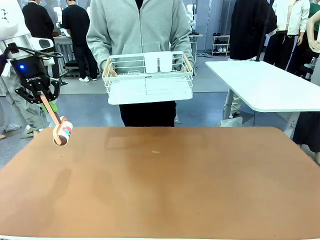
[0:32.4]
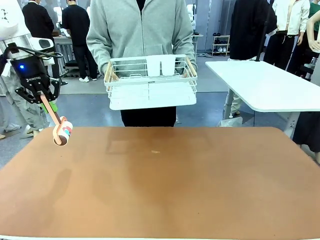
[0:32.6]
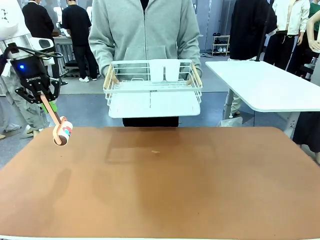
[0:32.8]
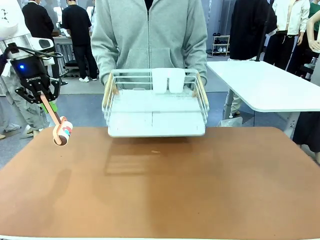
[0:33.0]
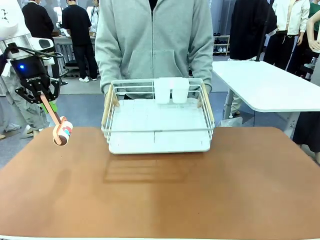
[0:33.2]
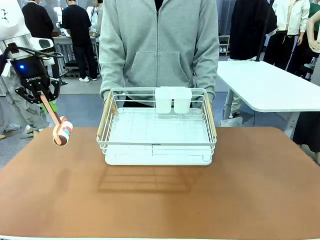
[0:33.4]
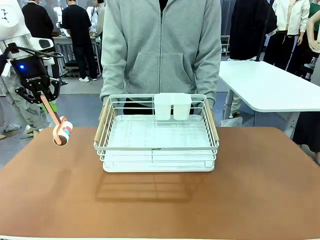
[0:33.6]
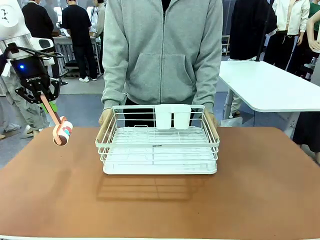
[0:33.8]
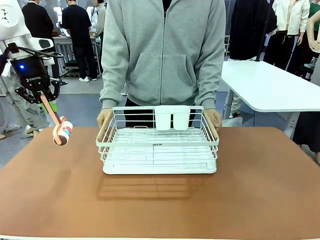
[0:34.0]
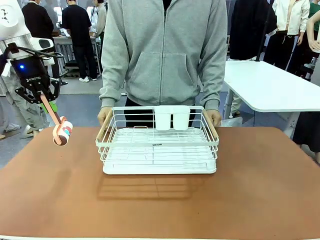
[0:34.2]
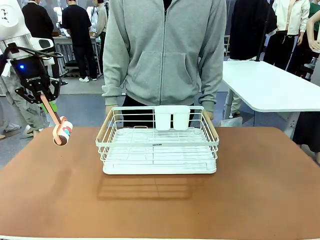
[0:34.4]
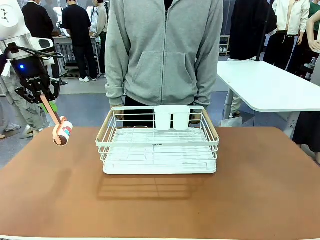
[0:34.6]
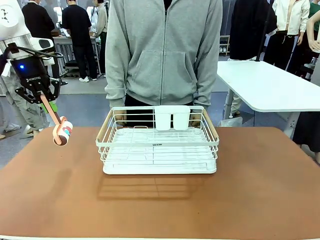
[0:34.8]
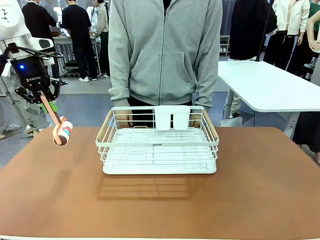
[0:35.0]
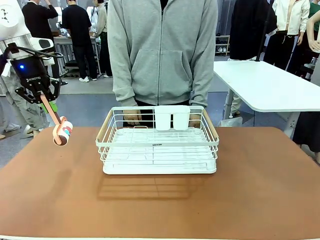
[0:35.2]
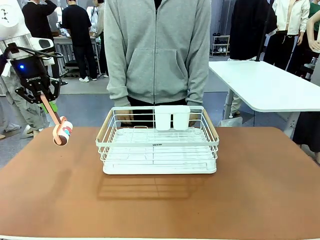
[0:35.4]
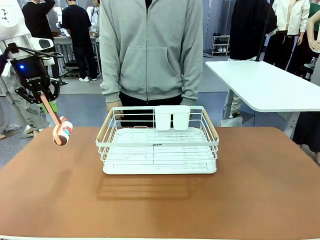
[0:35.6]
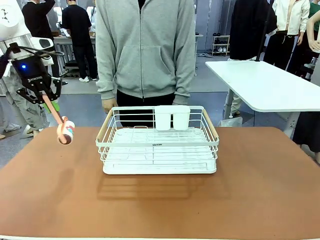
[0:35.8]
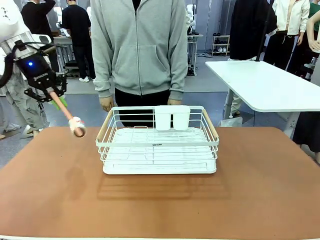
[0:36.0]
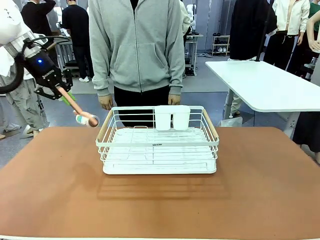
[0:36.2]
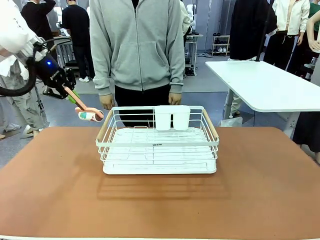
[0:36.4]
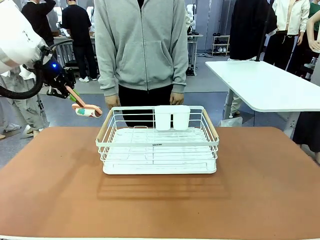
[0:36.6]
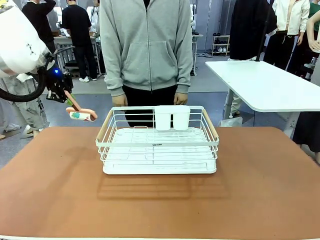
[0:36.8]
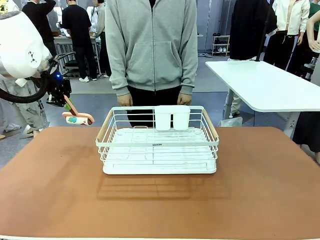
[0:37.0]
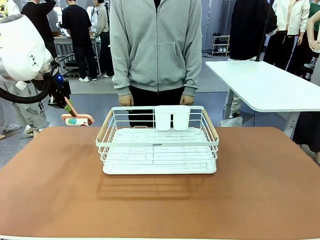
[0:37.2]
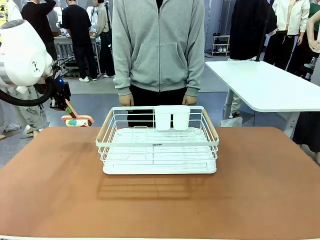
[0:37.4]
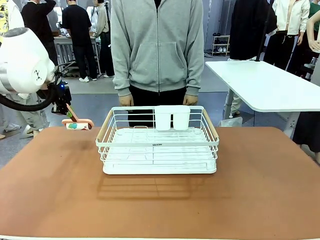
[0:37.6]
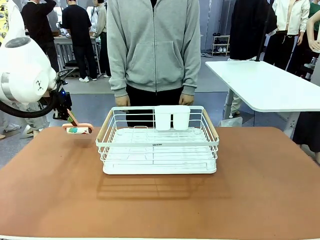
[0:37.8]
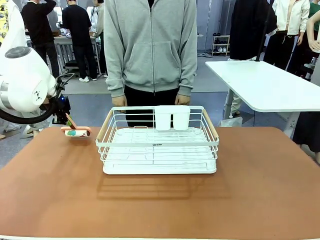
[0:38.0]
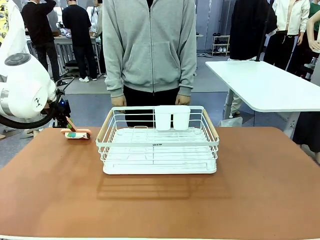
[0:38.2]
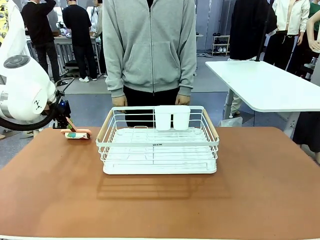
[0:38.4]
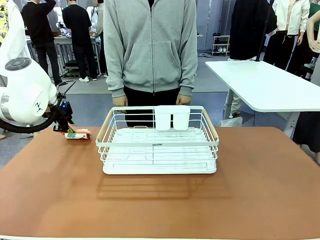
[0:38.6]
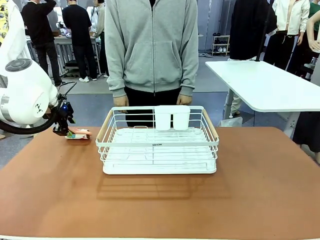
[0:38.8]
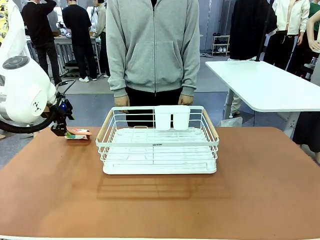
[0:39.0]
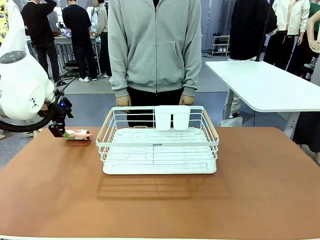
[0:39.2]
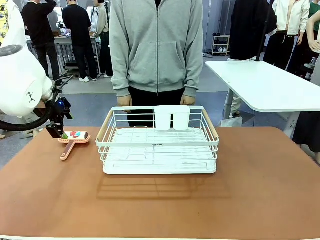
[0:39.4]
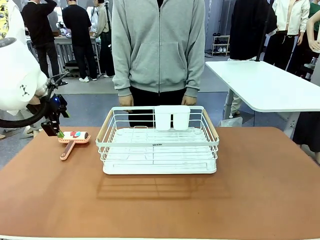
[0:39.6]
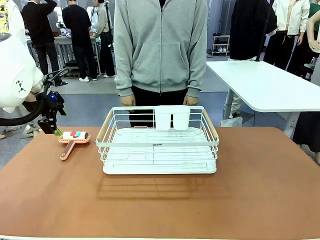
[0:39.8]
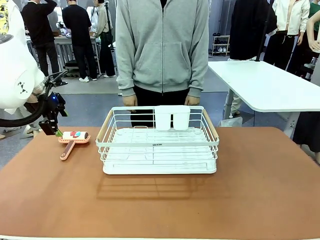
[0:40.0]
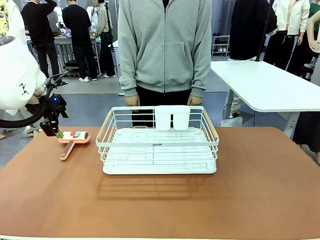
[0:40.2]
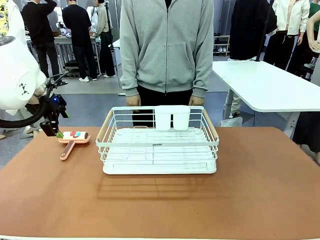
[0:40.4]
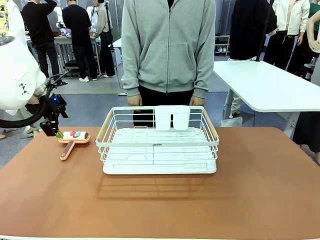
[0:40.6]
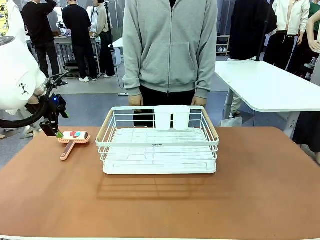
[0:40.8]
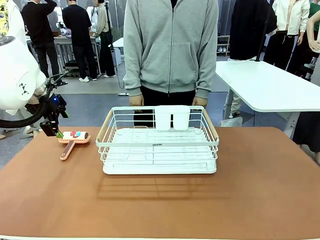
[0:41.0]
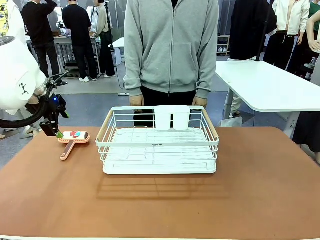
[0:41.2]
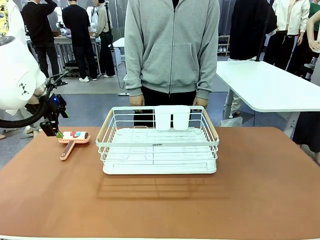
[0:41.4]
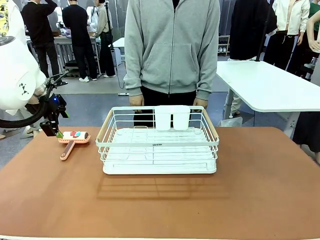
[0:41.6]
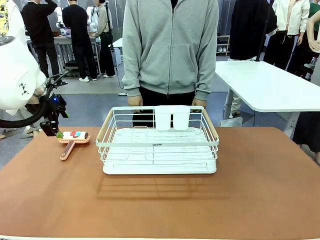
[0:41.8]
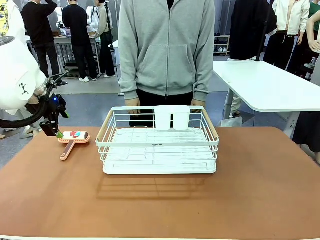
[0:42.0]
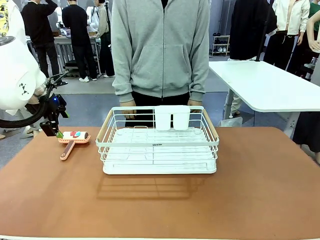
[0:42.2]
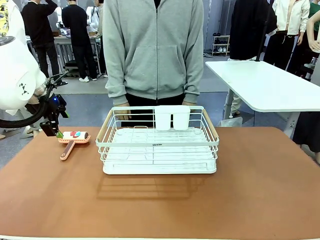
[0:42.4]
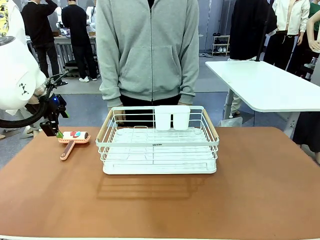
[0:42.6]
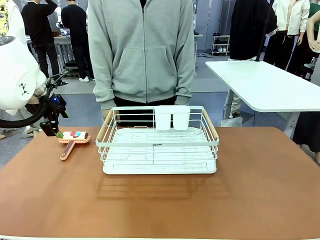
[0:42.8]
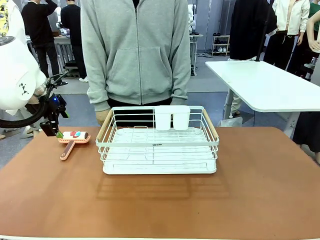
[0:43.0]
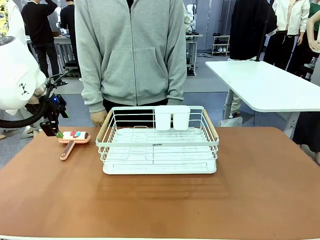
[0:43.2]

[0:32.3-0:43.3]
Task: Clean the table.
Robot: Place the Lint Roller down when the Dish drying rack is positioned in the middle of the table.

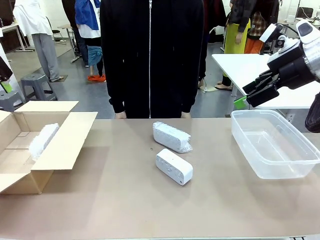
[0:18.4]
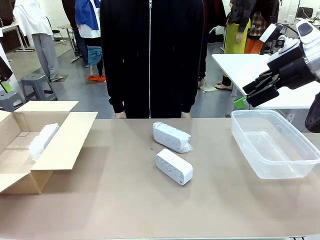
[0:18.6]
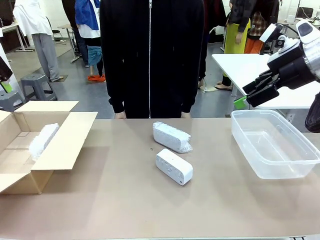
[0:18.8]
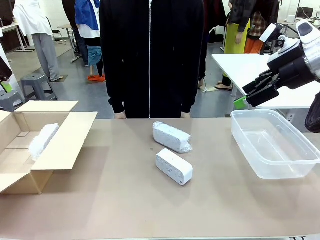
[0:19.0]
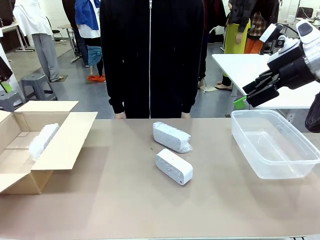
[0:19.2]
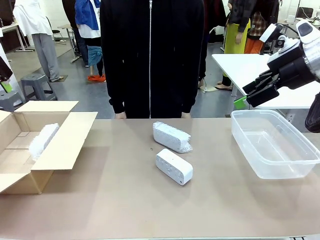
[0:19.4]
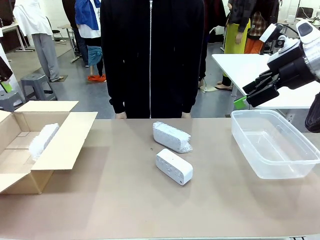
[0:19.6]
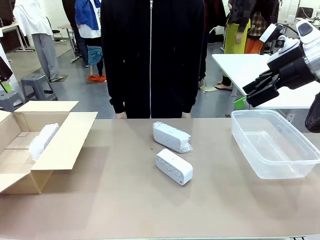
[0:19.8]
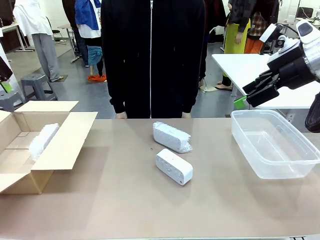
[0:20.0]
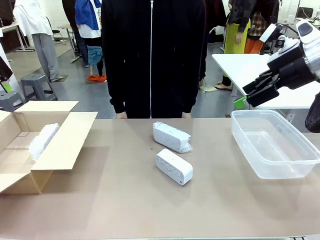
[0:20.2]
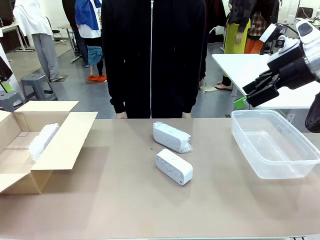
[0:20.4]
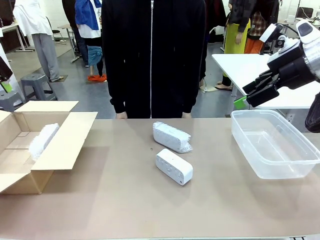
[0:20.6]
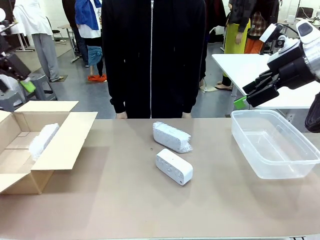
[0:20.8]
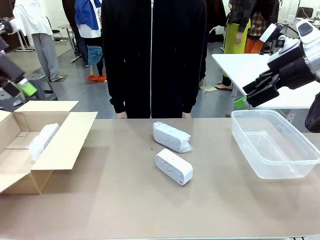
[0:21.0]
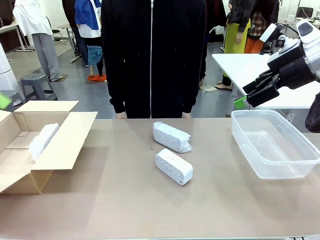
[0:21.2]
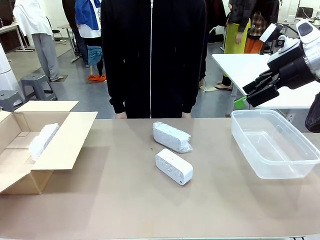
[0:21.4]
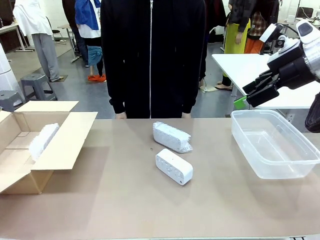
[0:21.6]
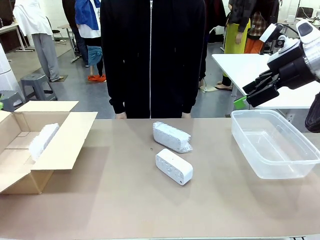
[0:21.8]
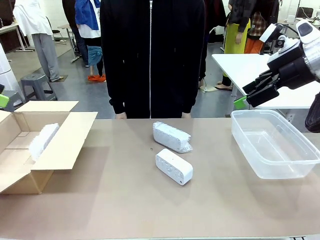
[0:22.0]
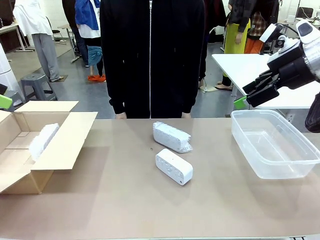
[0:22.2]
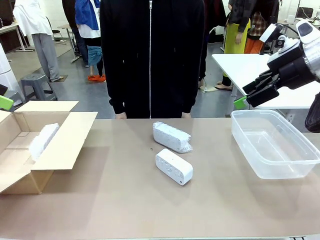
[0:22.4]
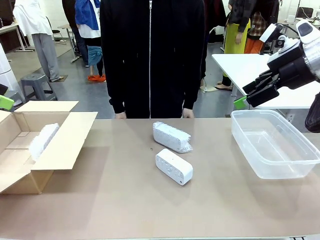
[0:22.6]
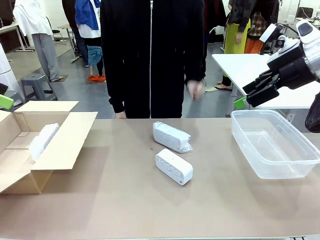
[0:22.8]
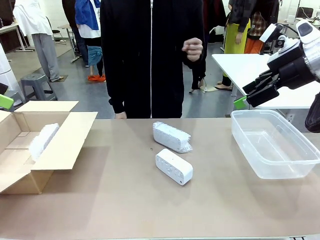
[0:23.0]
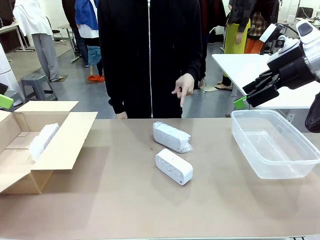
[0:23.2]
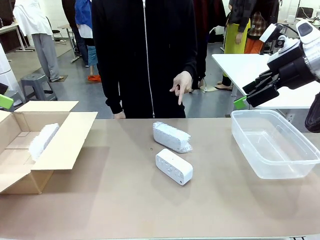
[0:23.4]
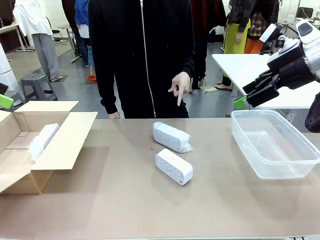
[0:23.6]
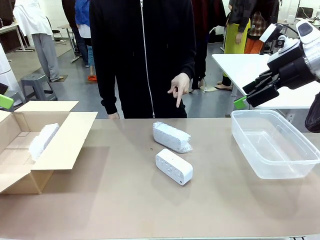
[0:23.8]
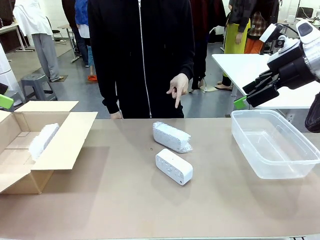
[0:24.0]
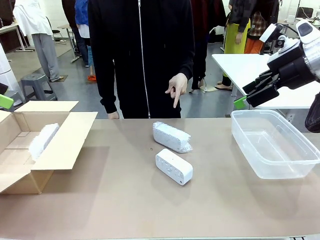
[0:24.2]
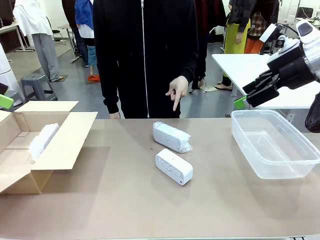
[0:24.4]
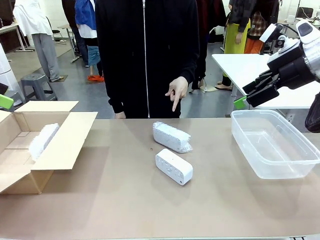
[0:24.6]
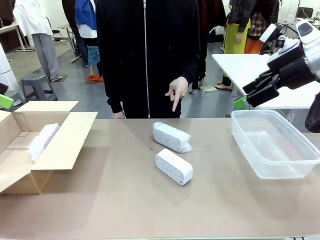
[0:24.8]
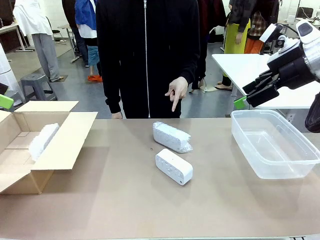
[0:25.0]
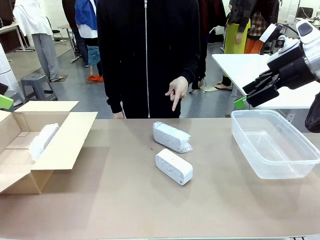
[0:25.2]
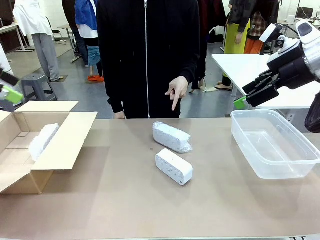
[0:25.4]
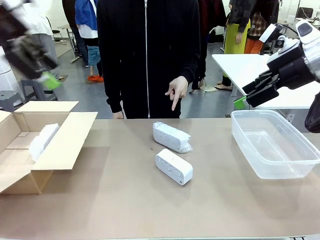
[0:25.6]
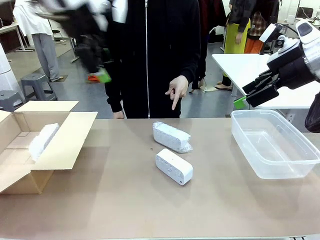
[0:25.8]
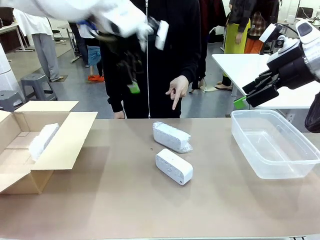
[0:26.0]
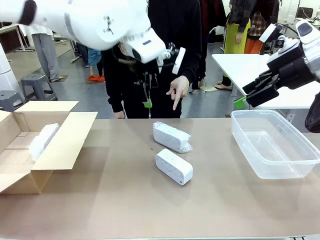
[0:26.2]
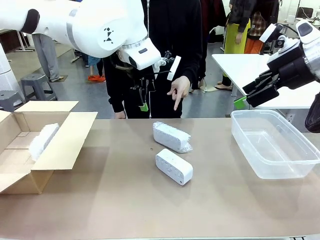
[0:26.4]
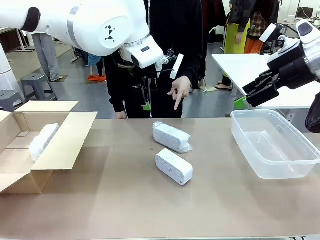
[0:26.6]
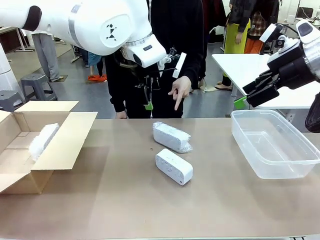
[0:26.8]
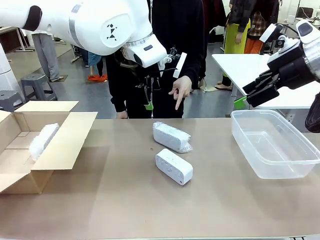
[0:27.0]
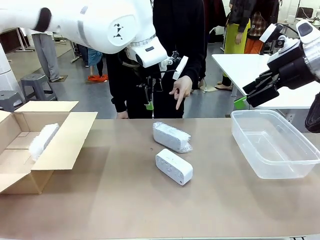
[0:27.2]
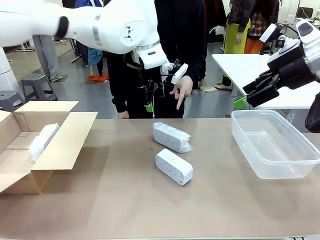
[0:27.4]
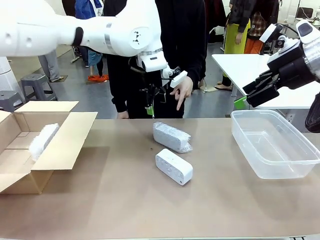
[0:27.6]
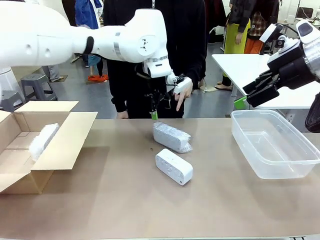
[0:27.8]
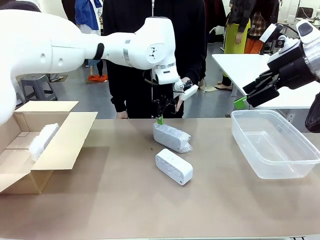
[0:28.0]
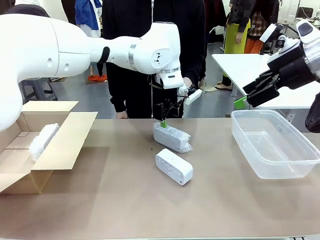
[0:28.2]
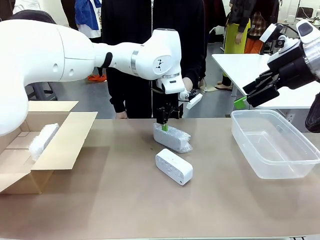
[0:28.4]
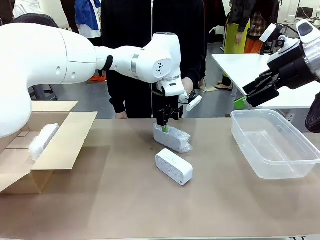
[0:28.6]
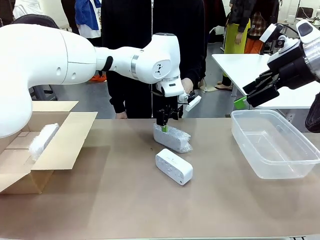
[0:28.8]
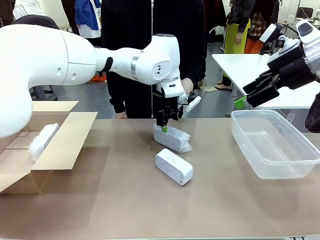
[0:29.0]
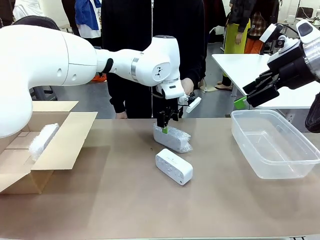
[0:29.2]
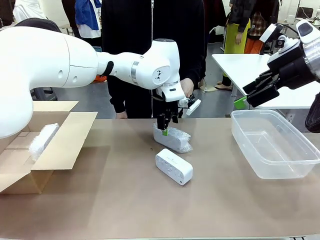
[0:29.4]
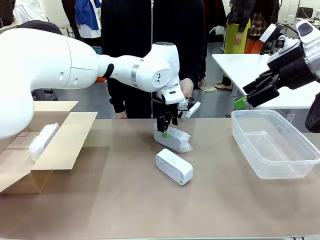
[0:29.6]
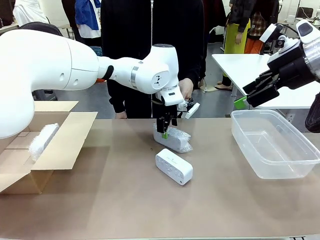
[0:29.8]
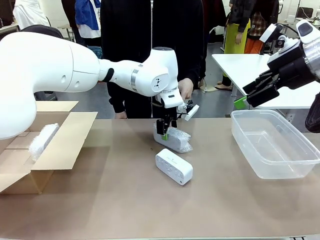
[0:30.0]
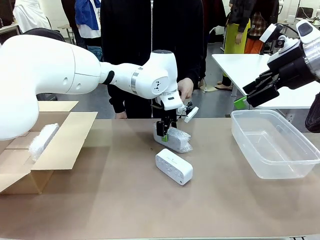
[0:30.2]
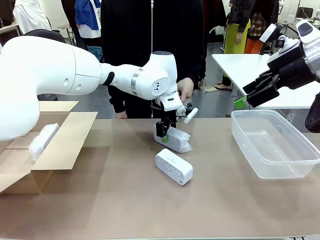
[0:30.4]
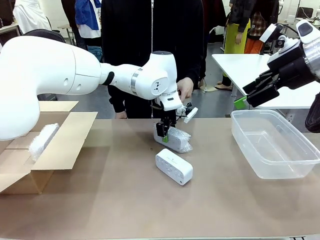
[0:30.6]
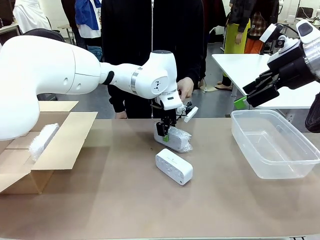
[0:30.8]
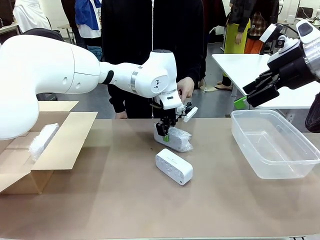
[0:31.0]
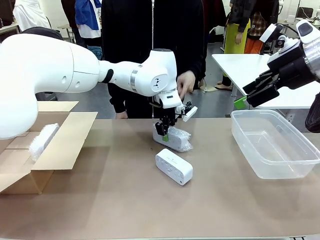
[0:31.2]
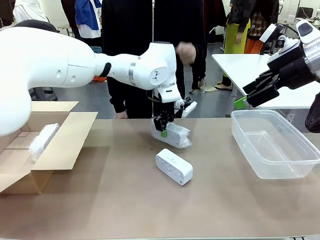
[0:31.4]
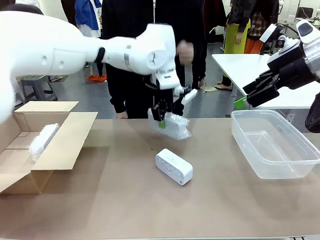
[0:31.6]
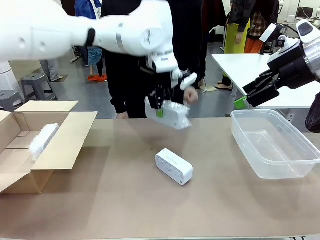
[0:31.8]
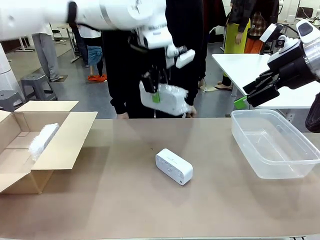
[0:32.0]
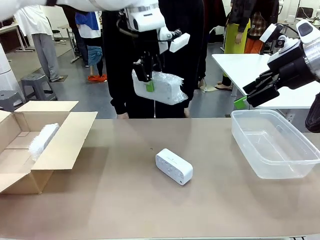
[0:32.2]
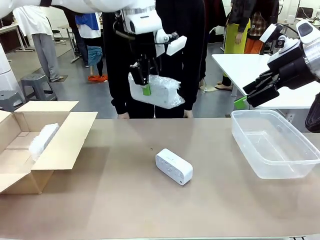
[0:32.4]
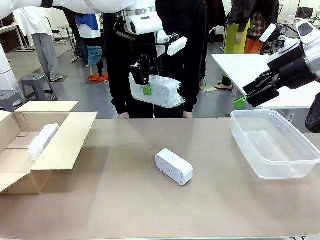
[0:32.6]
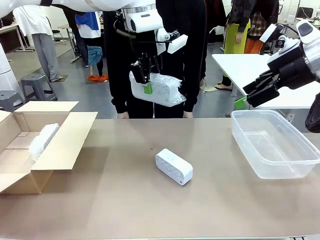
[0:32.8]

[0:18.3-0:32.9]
Task: Separate and place wrapped and unwrapped clocks.
Robot: Pick up the Digital clock indicated by the person.
